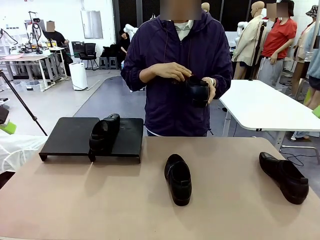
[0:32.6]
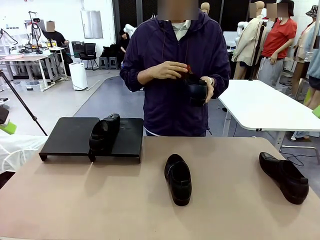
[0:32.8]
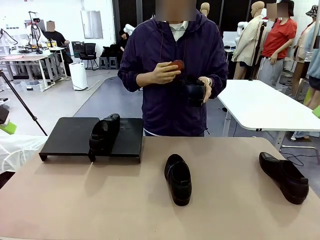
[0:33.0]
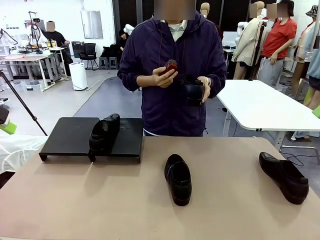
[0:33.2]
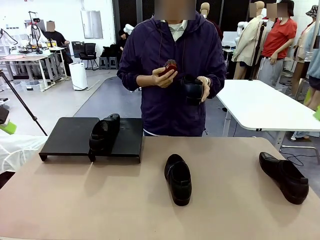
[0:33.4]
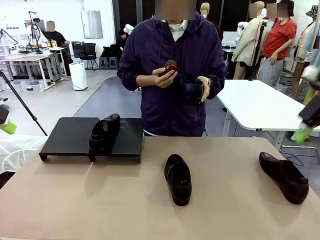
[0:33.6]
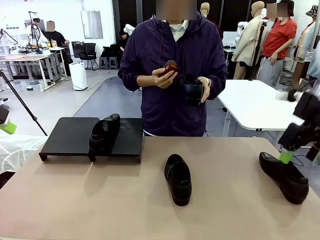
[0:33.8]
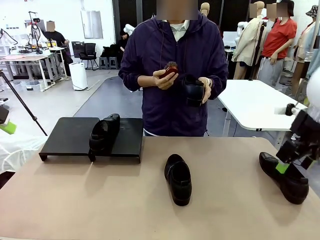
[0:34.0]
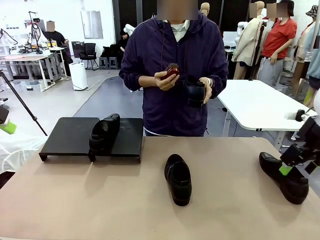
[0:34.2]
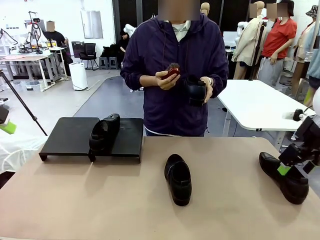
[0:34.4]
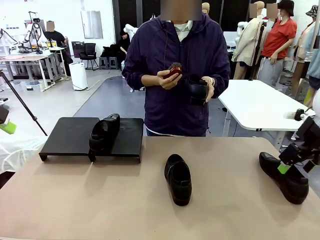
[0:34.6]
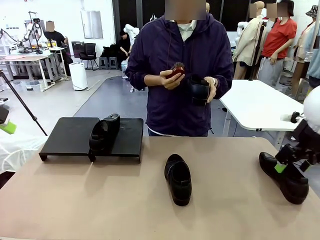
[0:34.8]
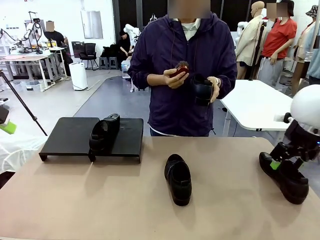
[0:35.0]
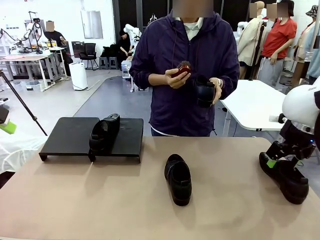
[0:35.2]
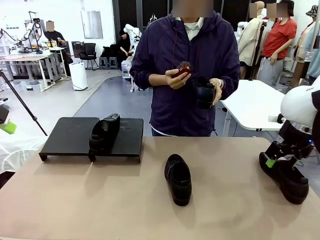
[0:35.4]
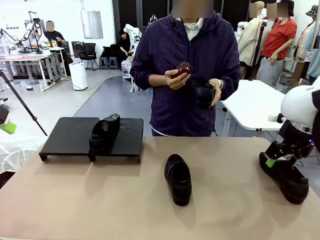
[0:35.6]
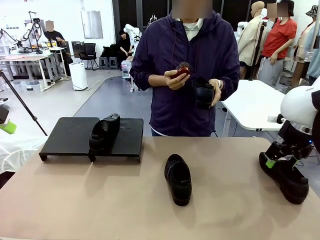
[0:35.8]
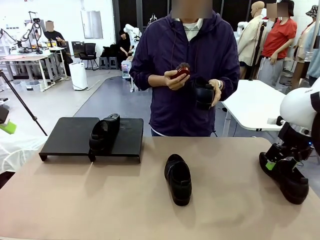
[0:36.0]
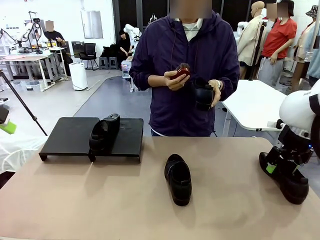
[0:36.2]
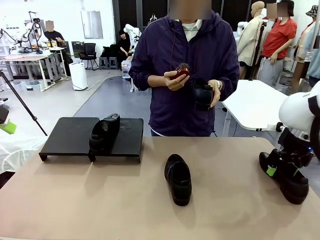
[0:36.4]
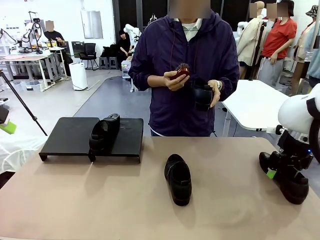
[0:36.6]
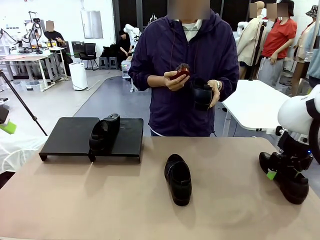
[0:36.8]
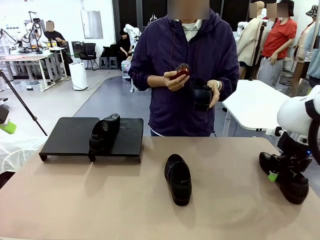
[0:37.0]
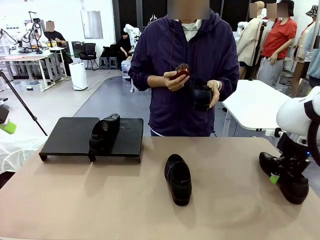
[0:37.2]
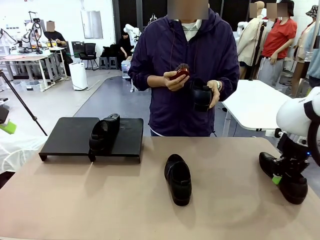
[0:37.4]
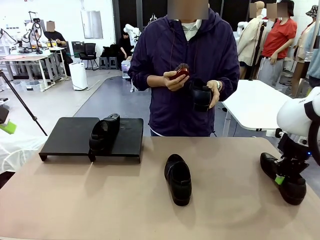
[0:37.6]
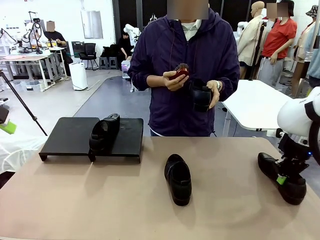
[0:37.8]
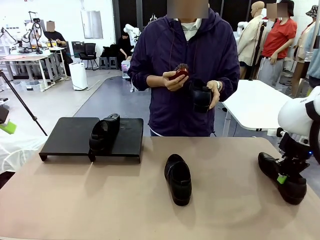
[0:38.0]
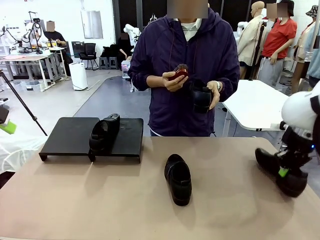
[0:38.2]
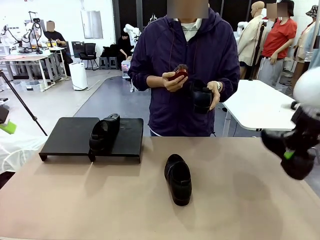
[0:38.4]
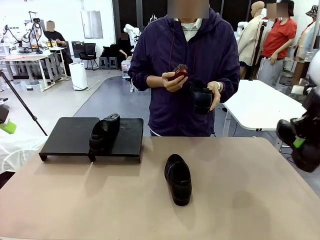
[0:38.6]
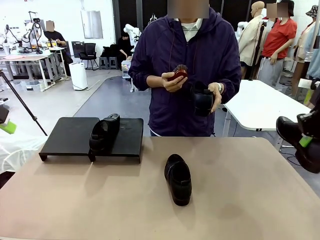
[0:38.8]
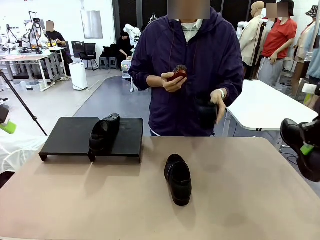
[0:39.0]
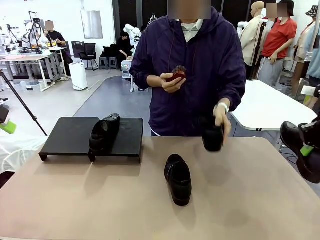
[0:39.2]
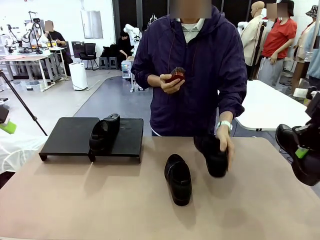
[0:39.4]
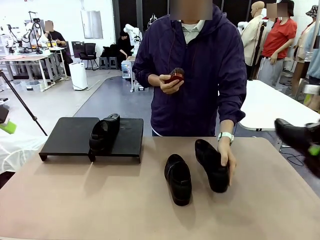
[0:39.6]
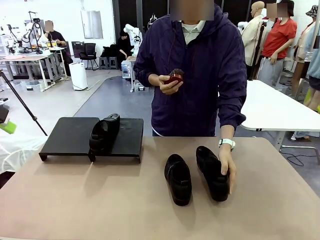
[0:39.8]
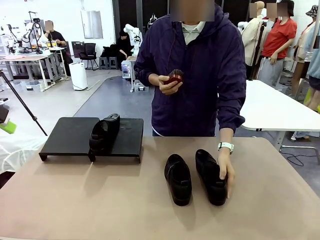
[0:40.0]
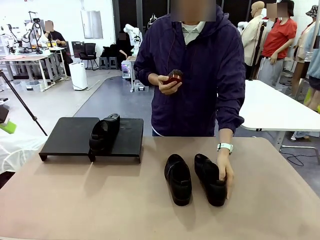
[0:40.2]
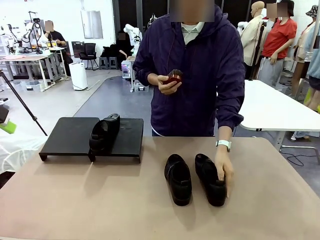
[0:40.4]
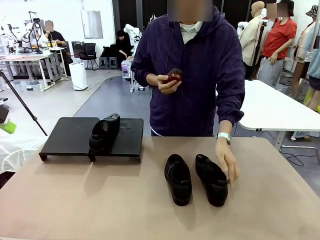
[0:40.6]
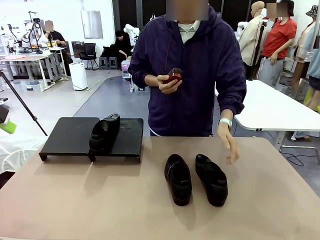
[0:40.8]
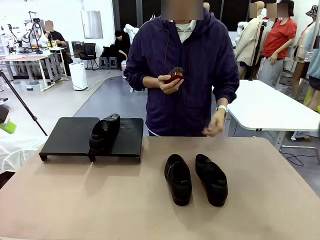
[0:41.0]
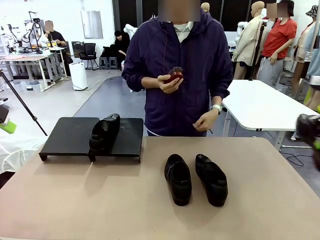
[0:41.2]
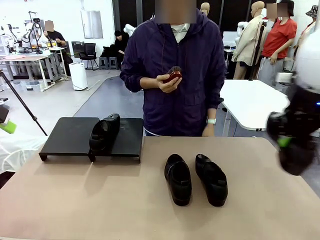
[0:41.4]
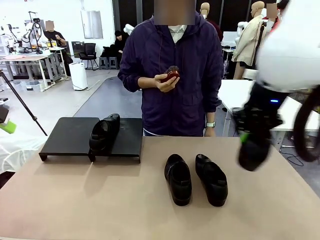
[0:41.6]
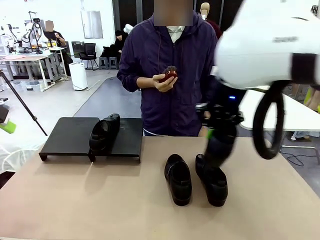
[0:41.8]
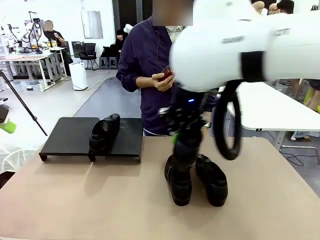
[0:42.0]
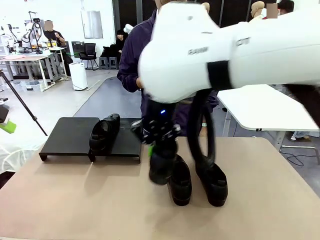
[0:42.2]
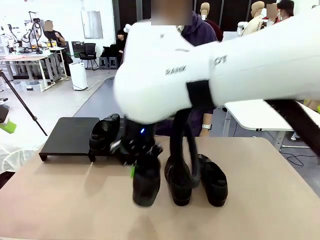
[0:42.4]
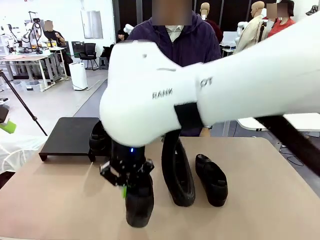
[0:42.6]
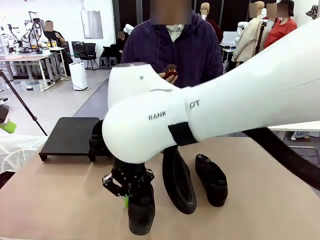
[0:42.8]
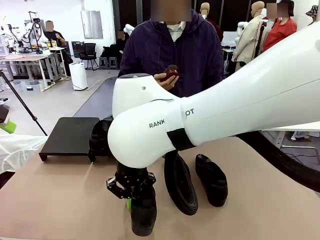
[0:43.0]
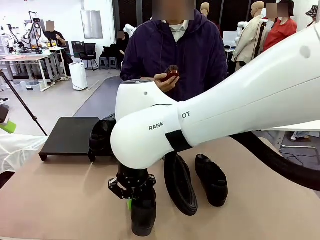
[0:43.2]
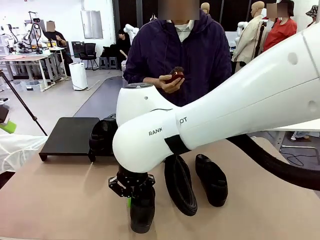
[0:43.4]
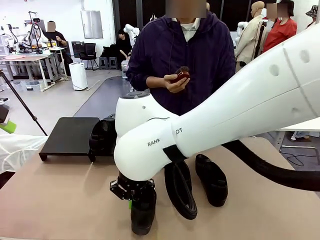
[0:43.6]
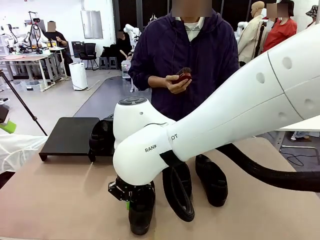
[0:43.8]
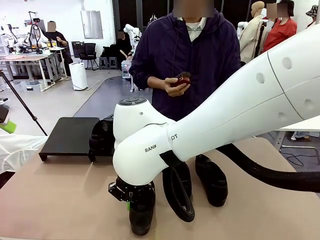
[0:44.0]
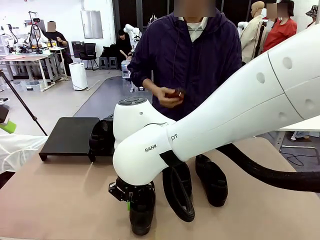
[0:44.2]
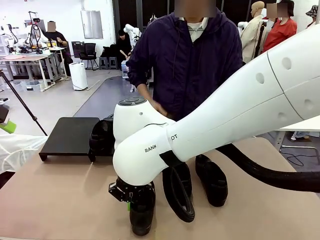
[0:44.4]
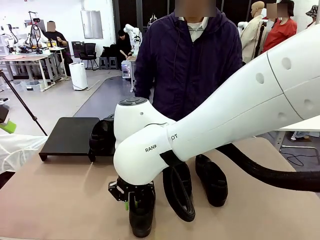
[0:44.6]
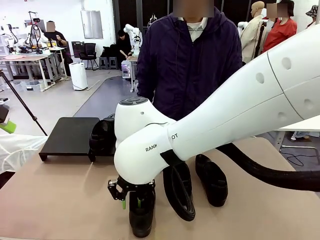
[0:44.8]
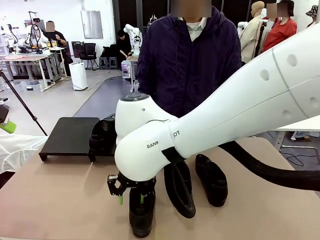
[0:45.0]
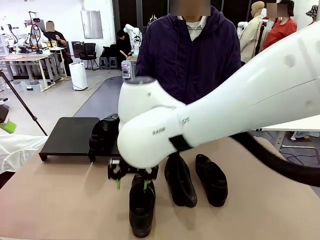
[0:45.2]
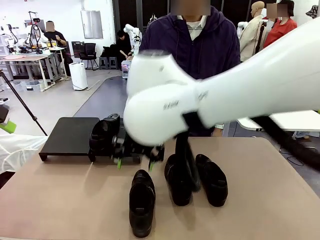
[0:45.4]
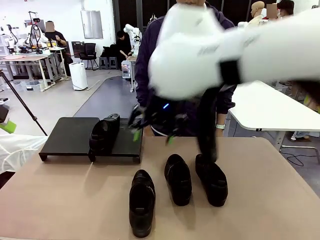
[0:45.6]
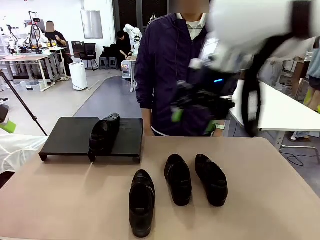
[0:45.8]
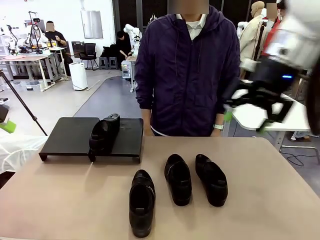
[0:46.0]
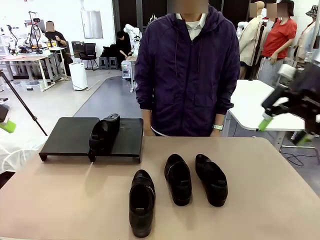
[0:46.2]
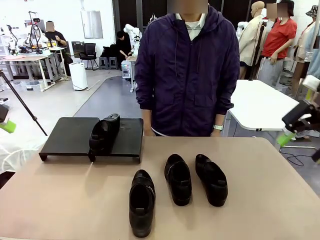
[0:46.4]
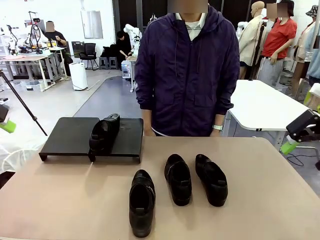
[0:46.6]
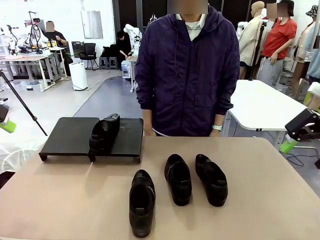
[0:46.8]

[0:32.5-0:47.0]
Task: Organize the shoes by placing them on the stand.
Robot: Pick up one Shoe and place it in the middle of the table.
